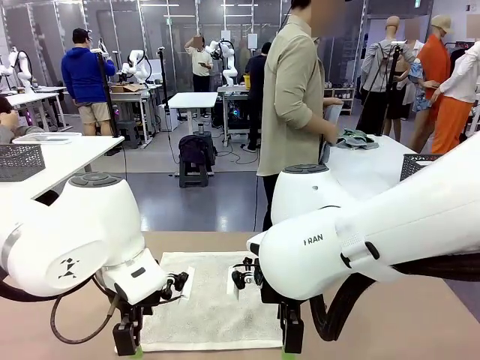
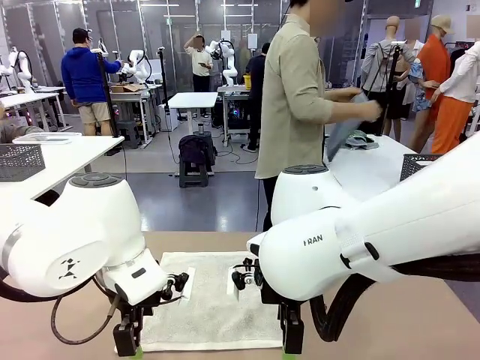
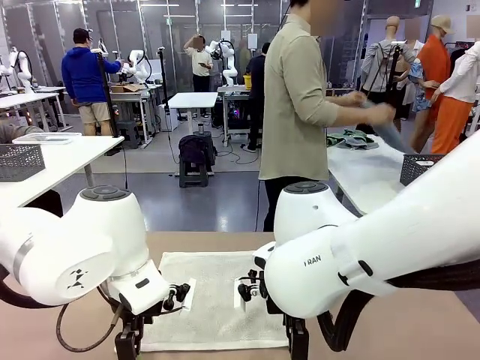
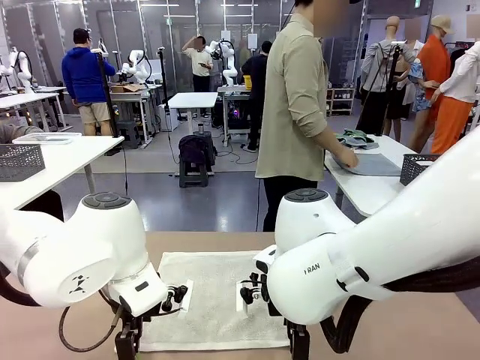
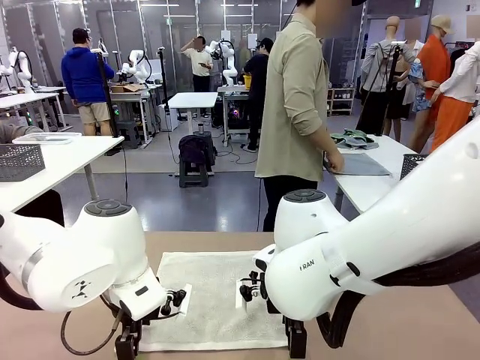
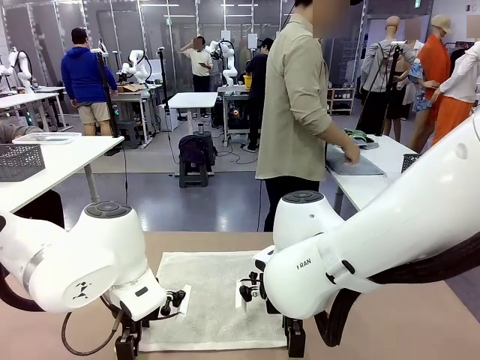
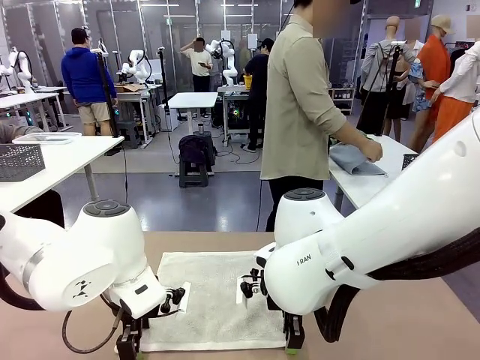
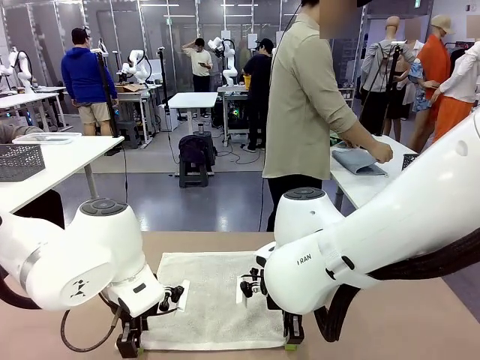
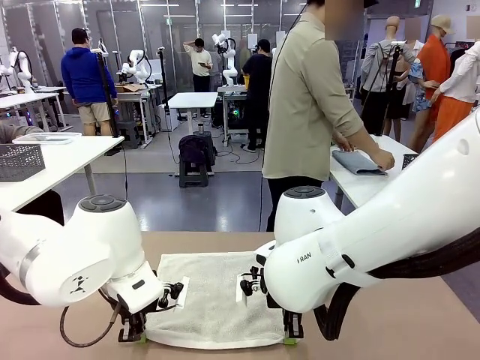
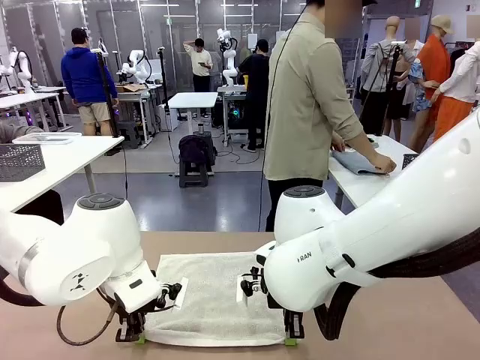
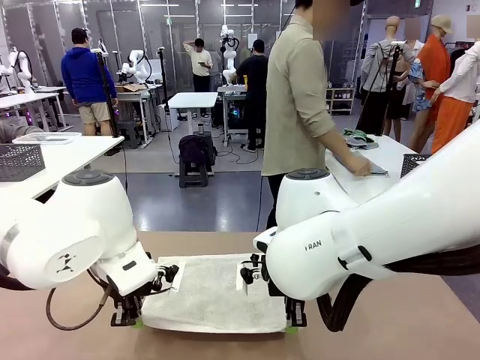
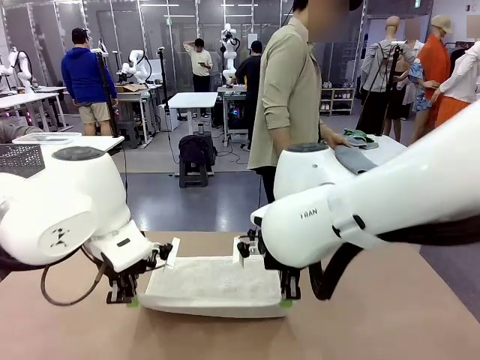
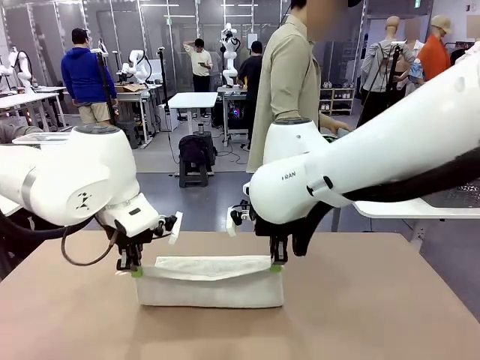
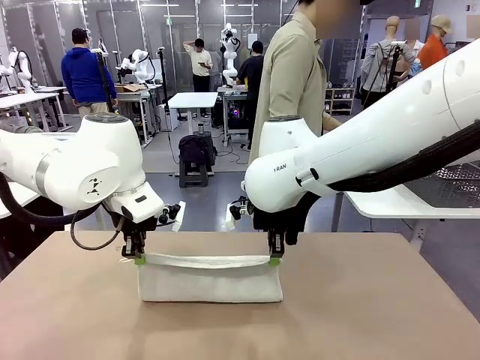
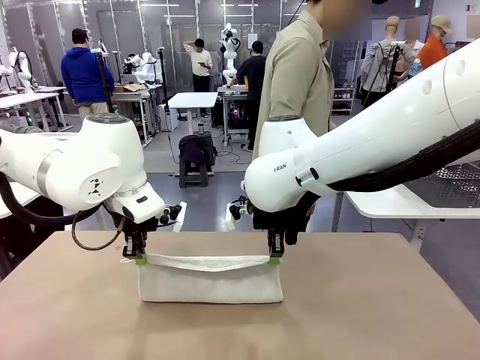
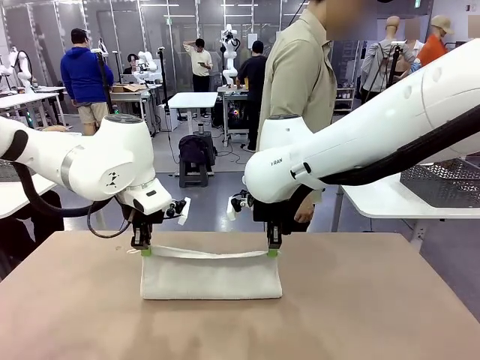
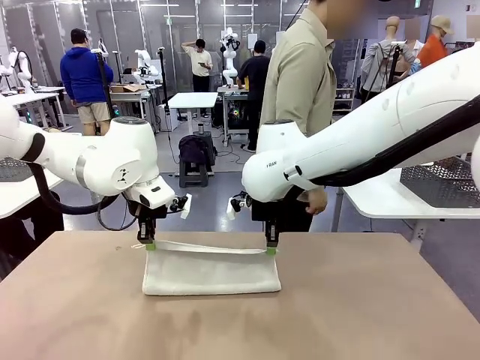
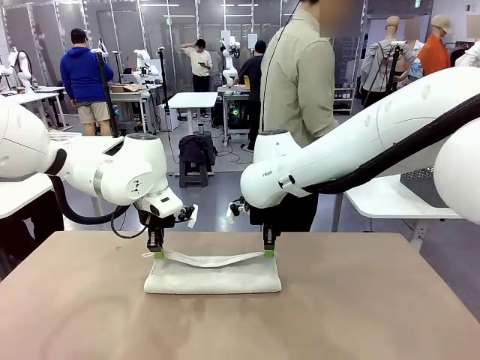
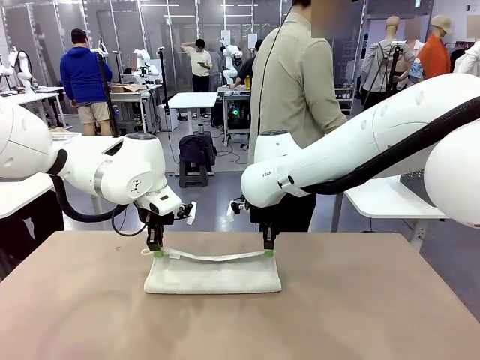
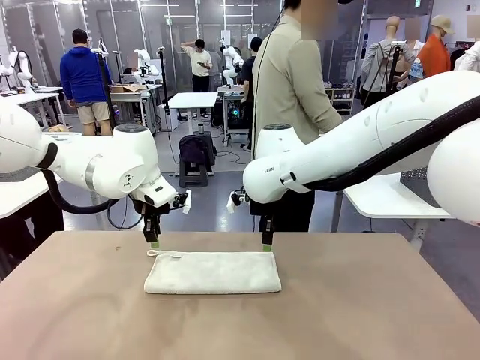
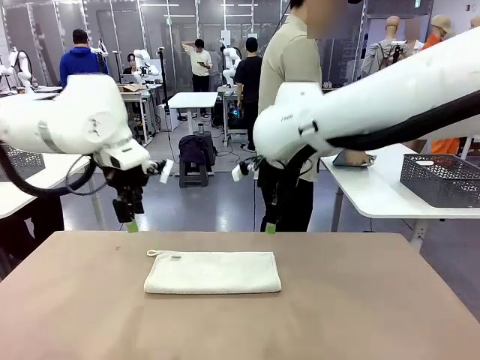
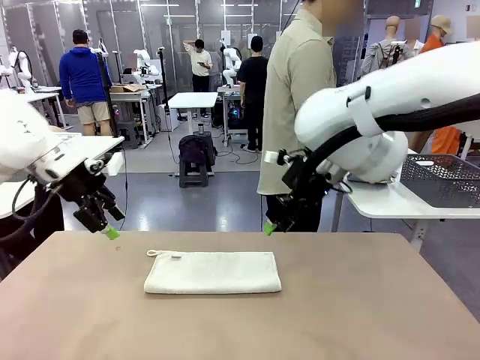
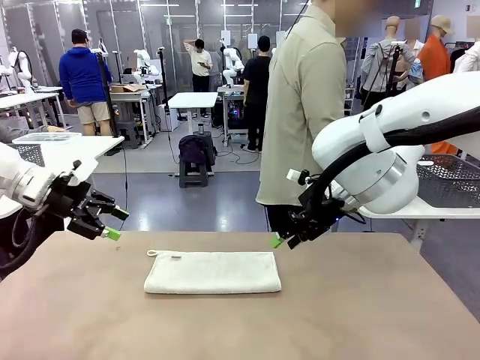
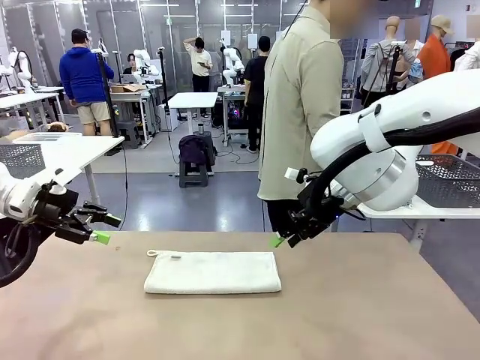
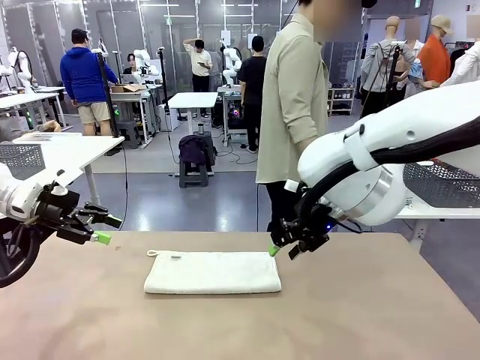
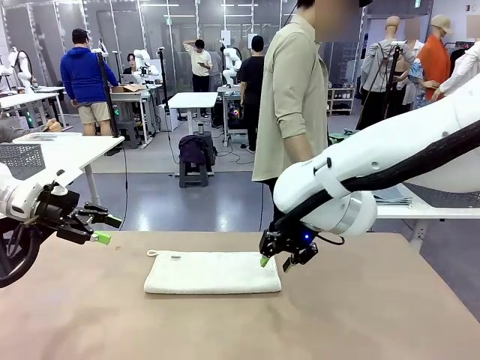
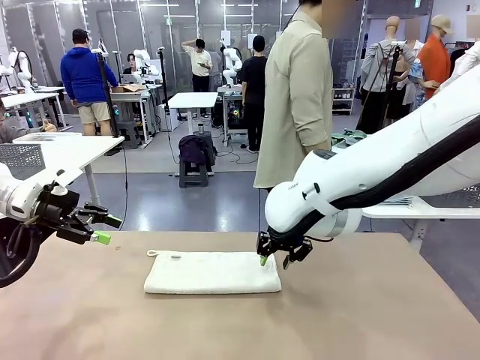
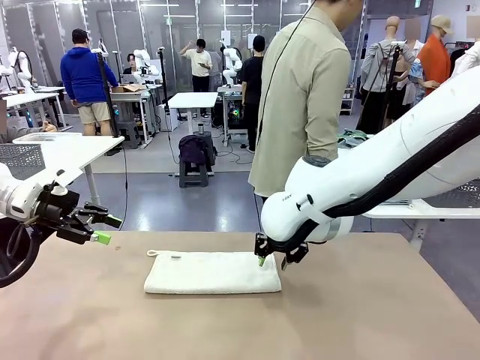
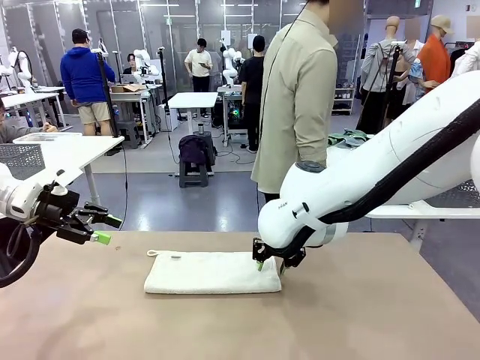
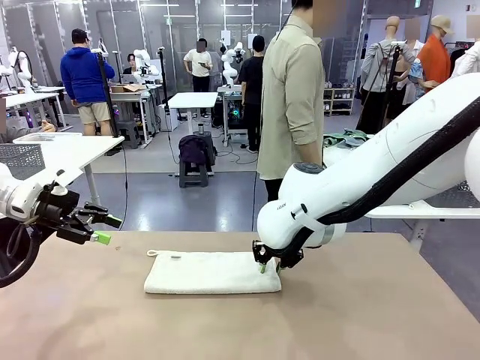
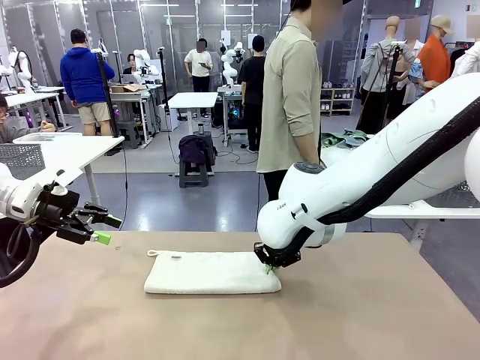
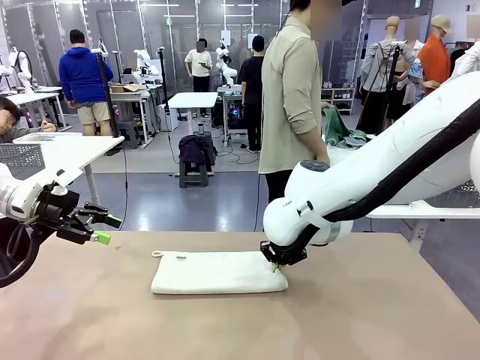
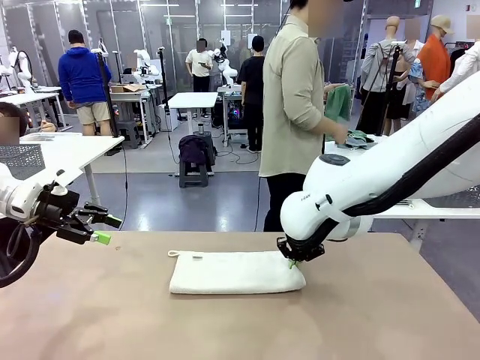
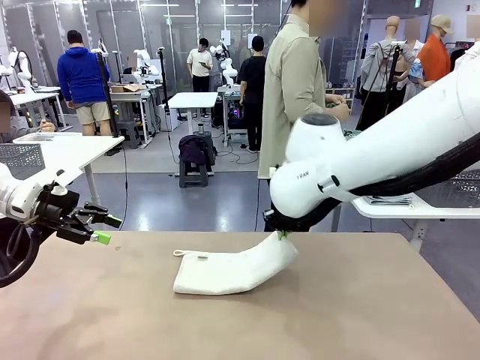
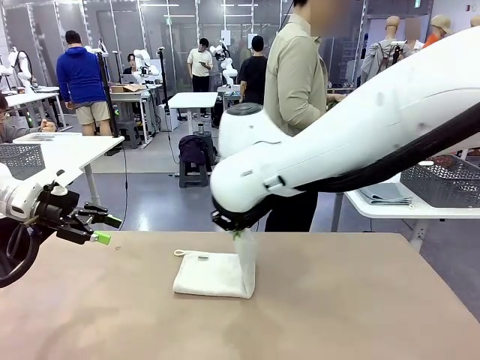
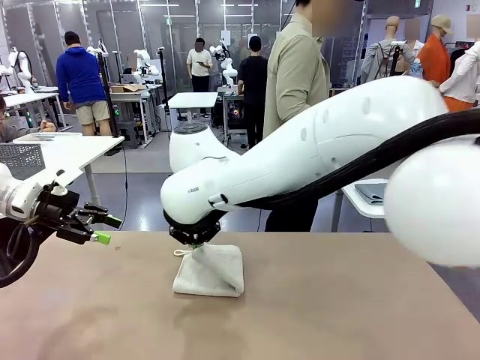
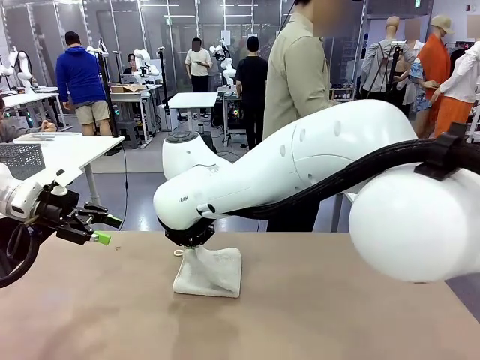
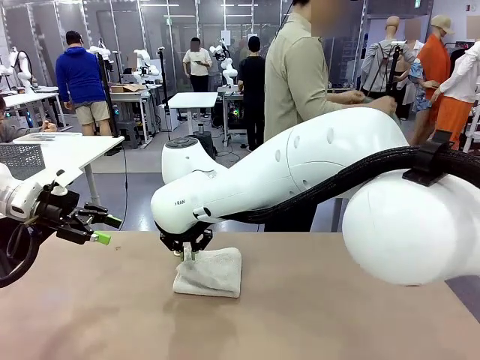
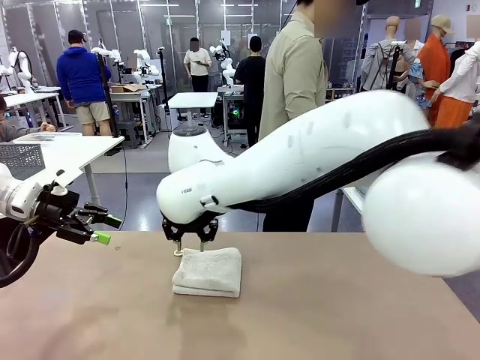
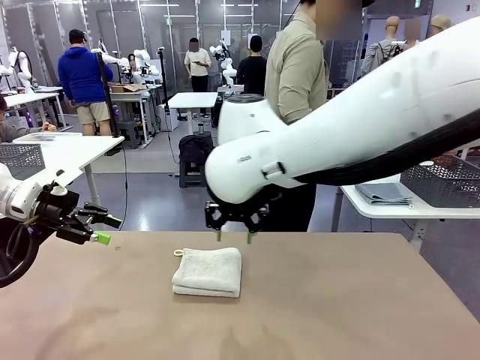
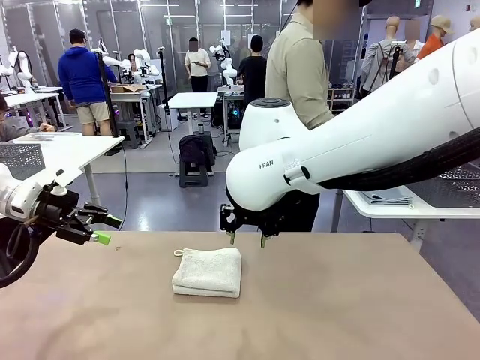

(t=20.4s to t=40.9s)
Task: Fold the towels and place them in the basket.
Robot: When a person lays out a Towel with hook on the table, fold it in half twice.
Person: Pick up one towel from the left side of the human table, fold it in half twice, and place it on the right side of the table. Pick up one towel from the left side of the human table, fold it in half twice, and stack it on the right side of the table.

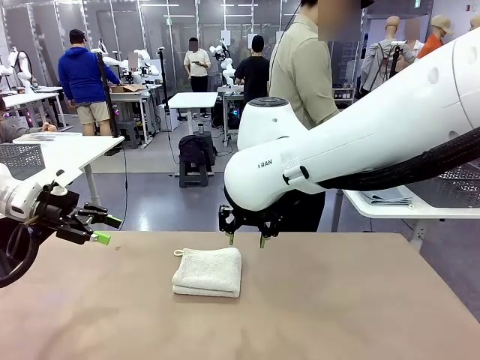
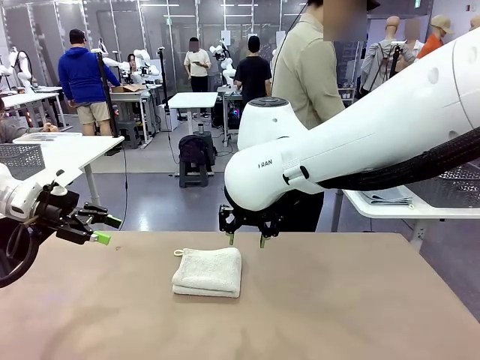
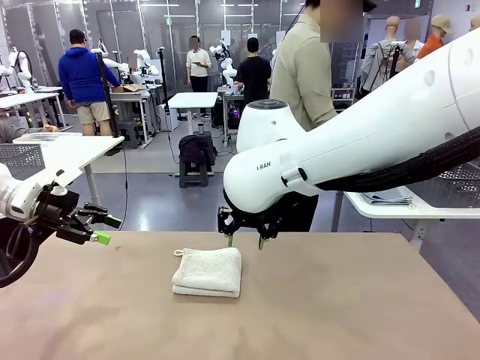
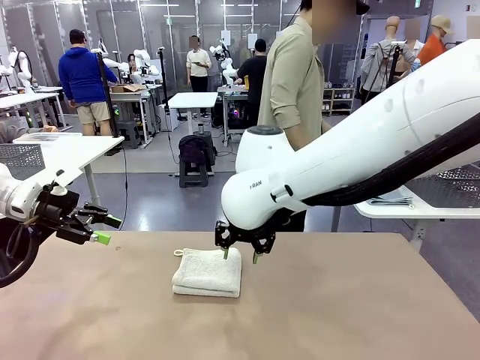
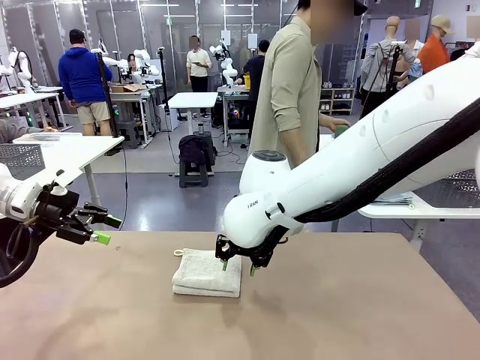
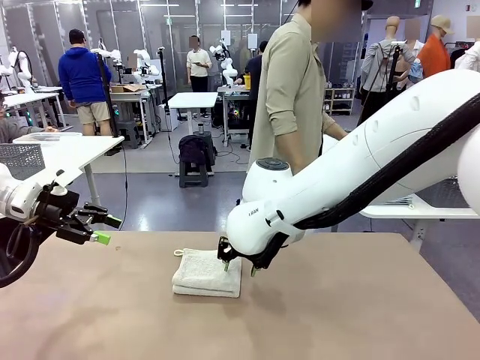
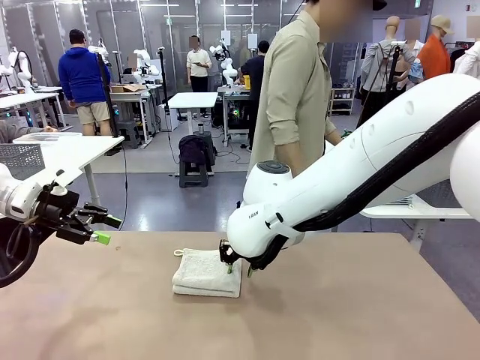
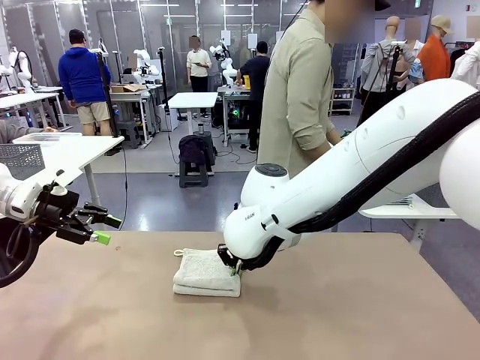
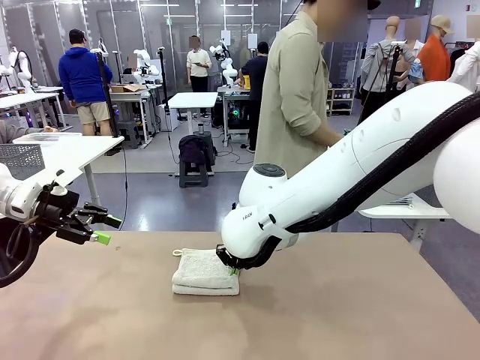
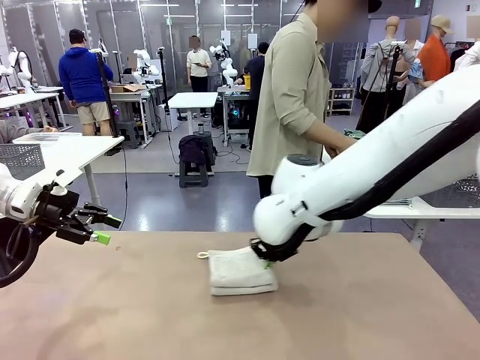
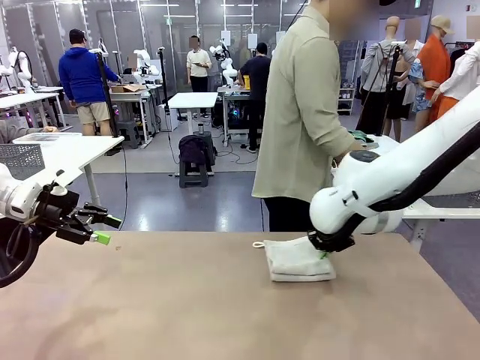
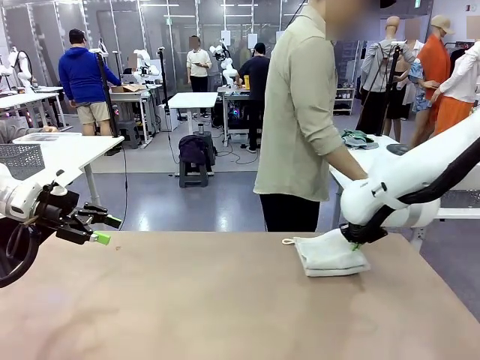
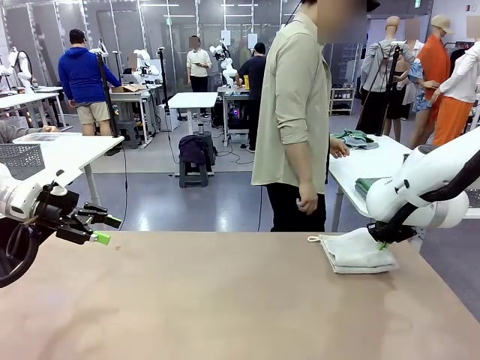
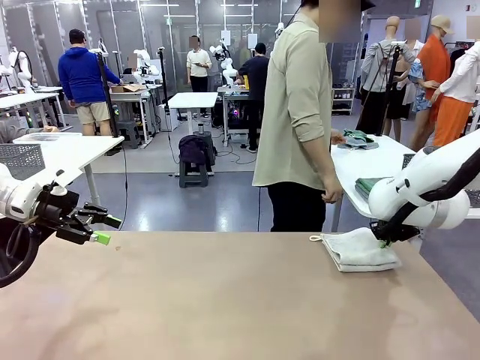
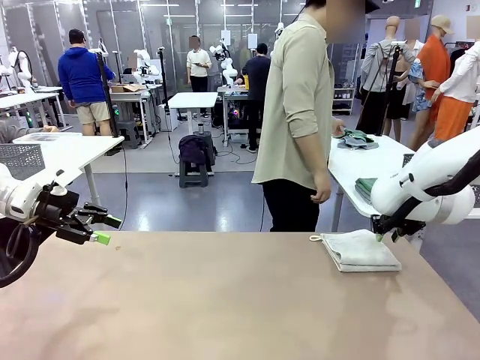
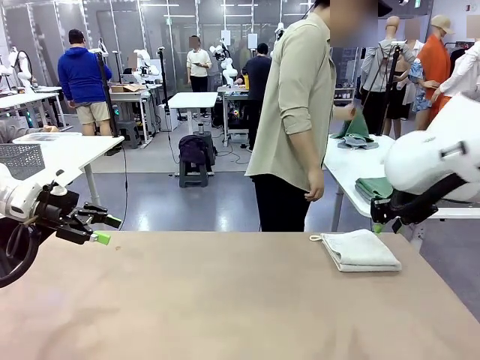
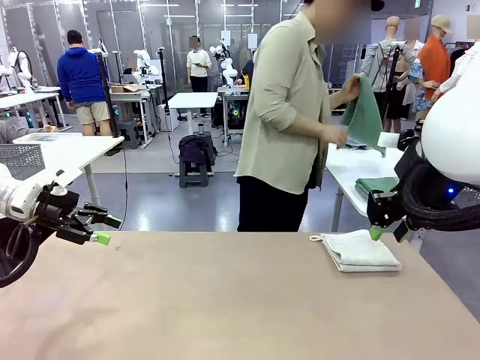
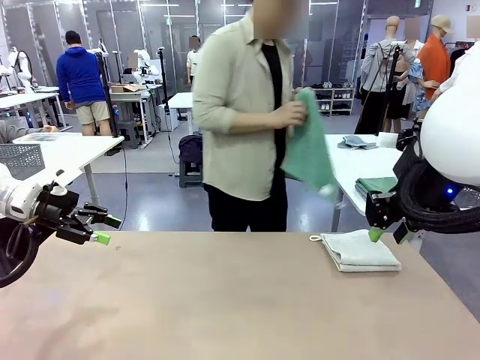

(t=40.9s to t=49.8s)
Robot: Place the folded Towel with hook on the right side of the table.
